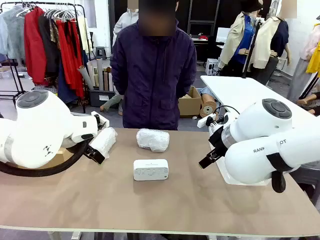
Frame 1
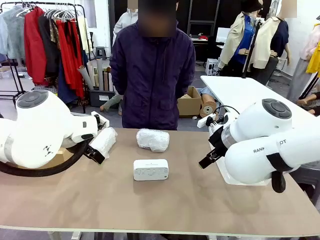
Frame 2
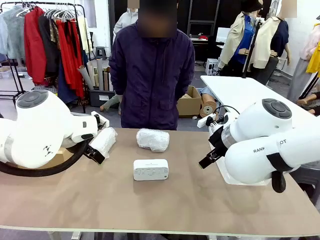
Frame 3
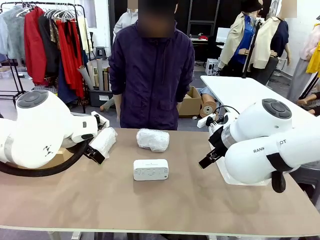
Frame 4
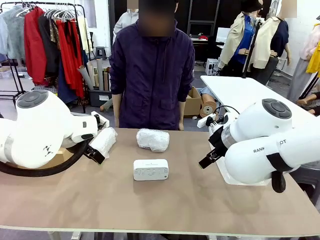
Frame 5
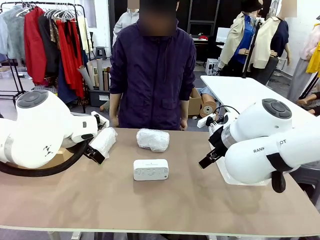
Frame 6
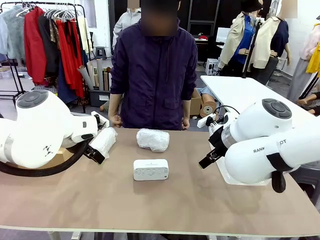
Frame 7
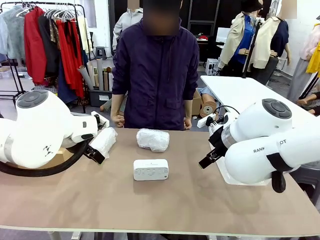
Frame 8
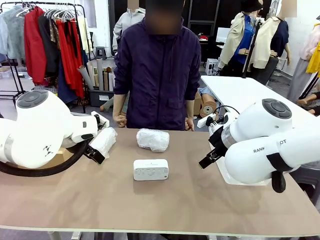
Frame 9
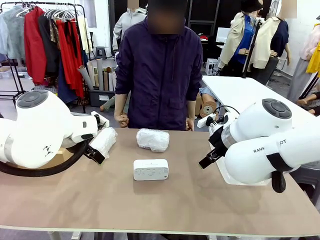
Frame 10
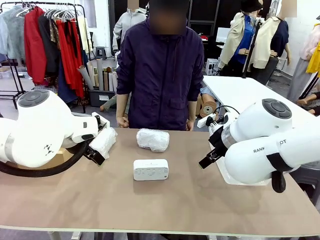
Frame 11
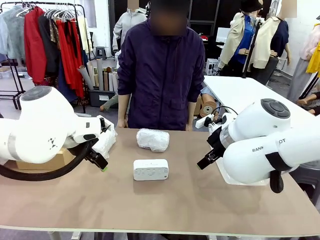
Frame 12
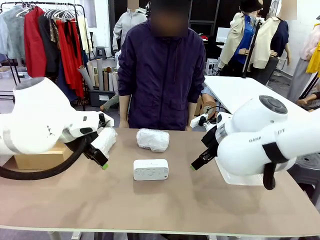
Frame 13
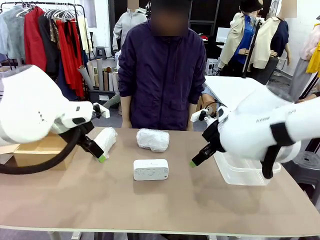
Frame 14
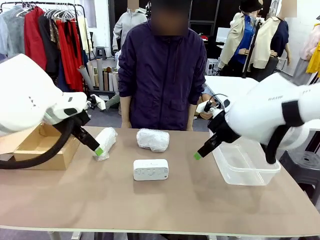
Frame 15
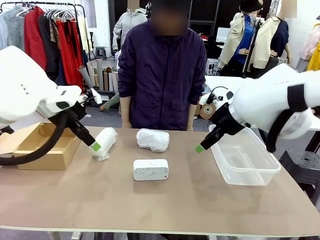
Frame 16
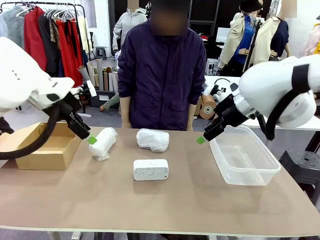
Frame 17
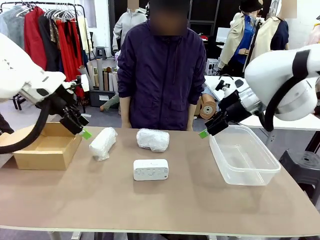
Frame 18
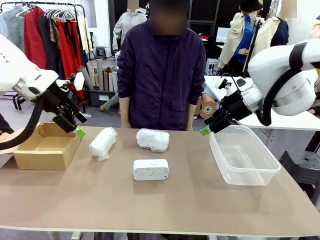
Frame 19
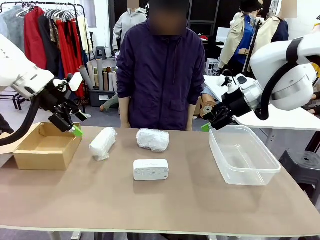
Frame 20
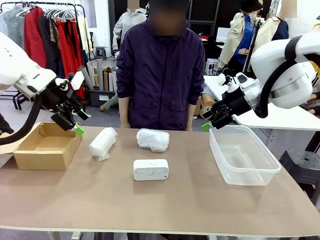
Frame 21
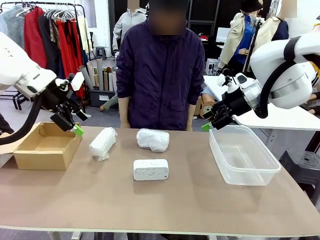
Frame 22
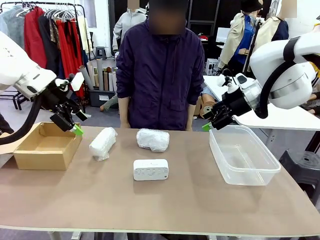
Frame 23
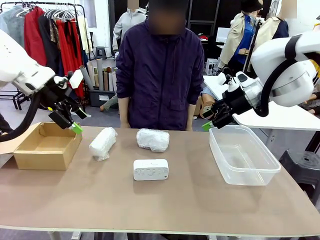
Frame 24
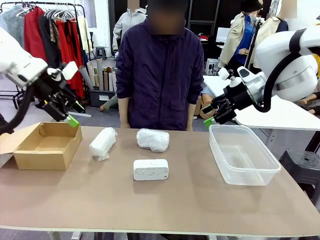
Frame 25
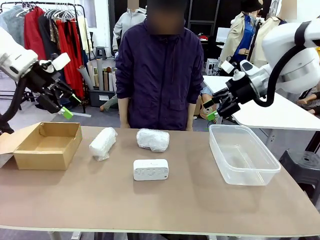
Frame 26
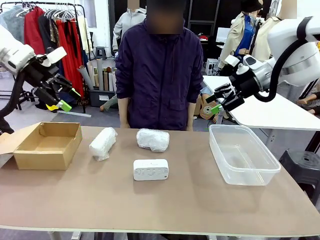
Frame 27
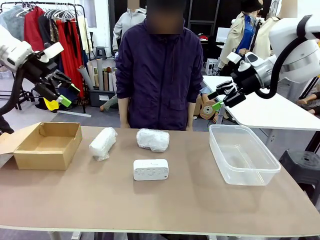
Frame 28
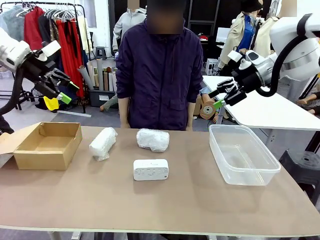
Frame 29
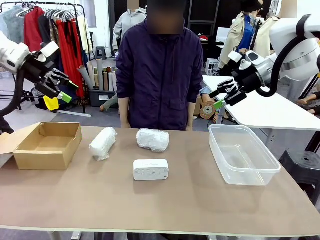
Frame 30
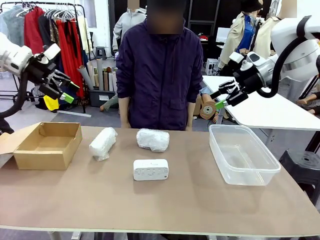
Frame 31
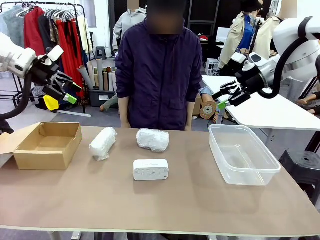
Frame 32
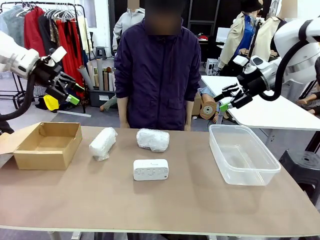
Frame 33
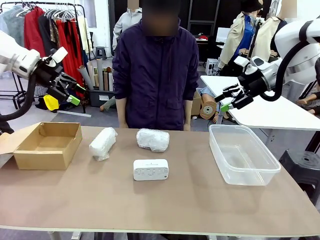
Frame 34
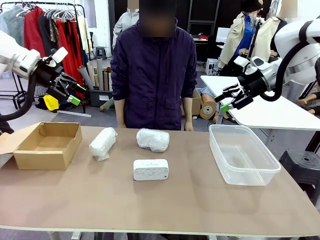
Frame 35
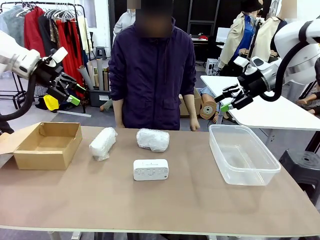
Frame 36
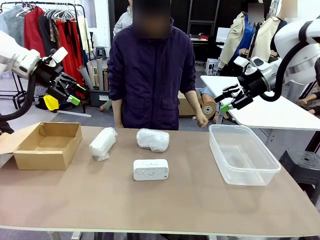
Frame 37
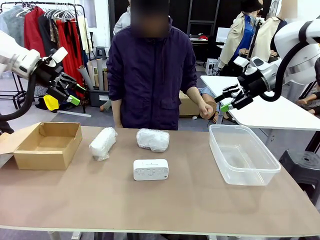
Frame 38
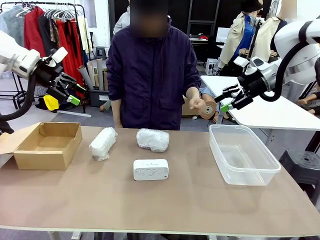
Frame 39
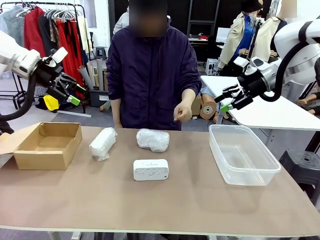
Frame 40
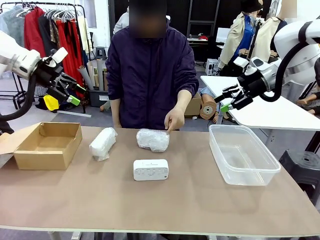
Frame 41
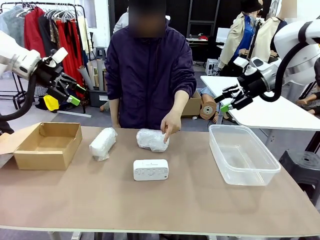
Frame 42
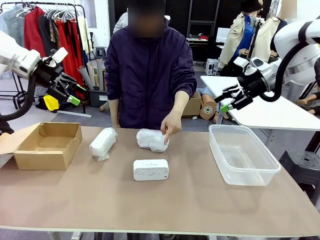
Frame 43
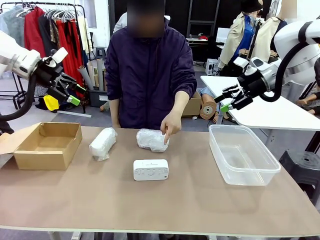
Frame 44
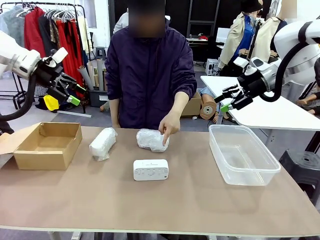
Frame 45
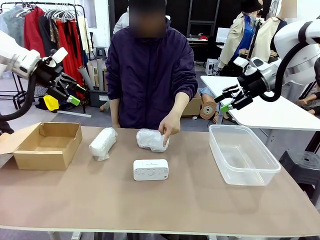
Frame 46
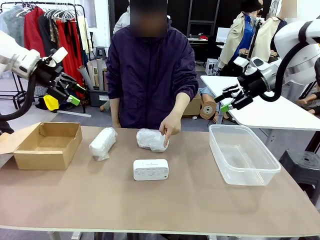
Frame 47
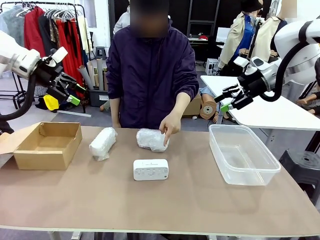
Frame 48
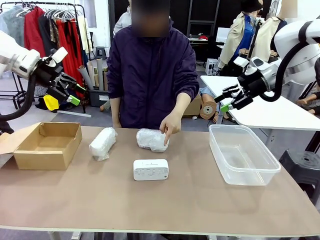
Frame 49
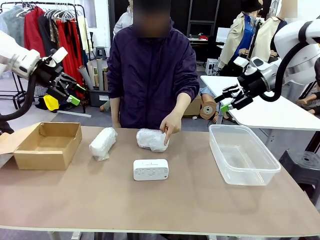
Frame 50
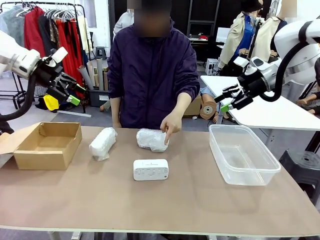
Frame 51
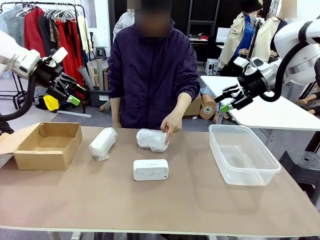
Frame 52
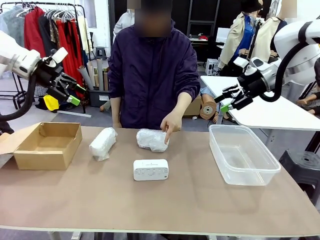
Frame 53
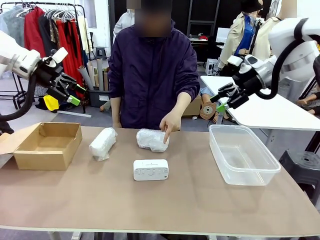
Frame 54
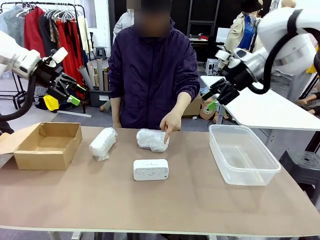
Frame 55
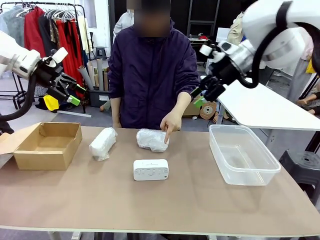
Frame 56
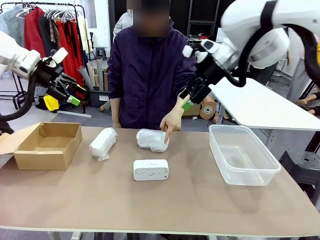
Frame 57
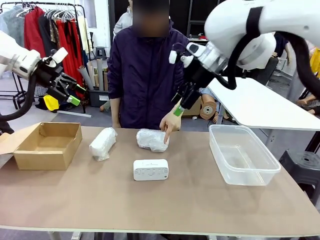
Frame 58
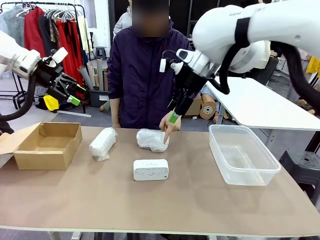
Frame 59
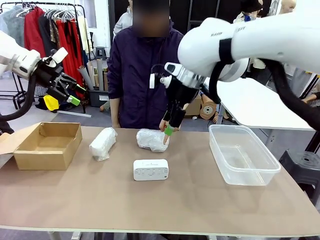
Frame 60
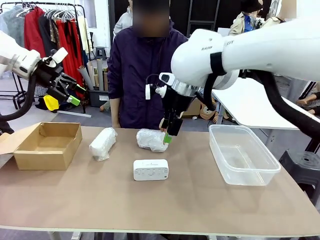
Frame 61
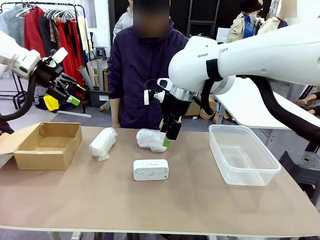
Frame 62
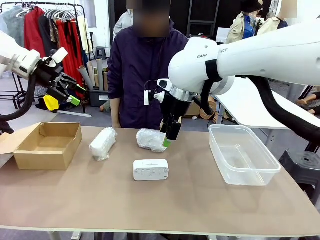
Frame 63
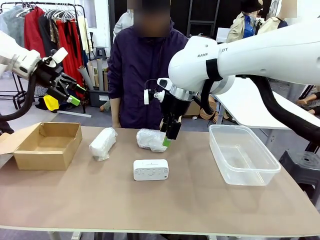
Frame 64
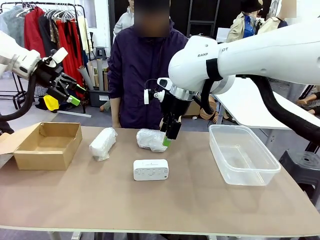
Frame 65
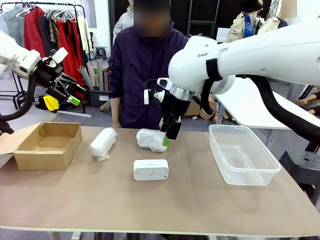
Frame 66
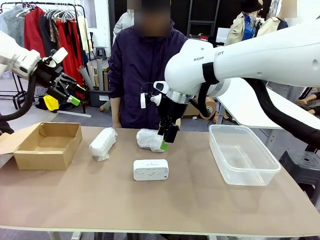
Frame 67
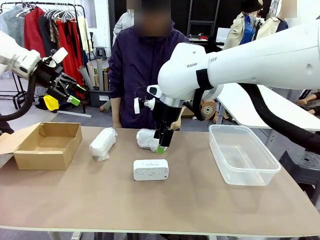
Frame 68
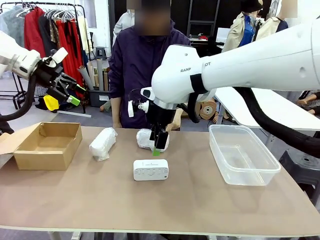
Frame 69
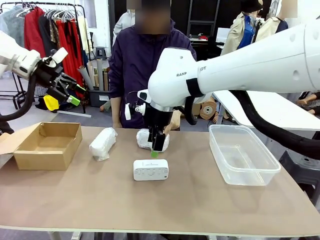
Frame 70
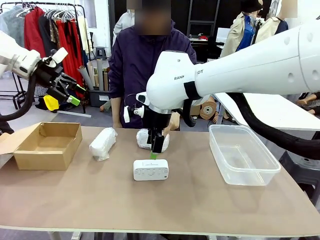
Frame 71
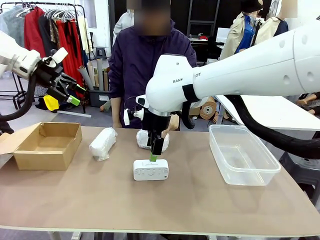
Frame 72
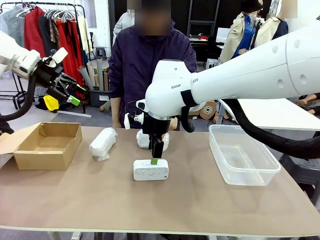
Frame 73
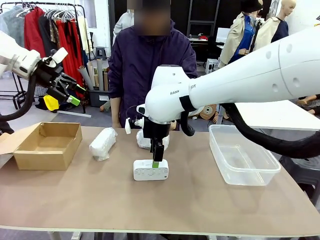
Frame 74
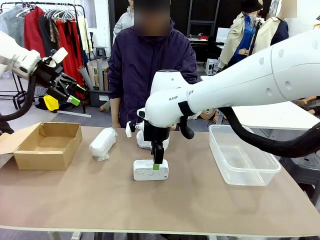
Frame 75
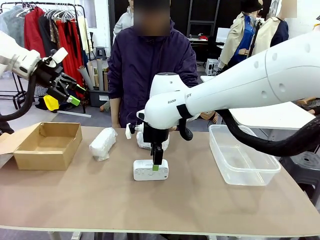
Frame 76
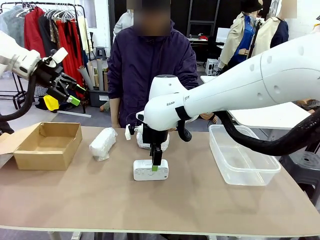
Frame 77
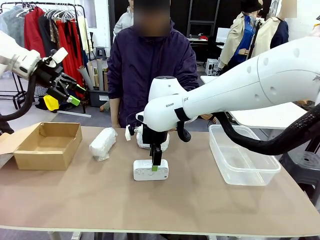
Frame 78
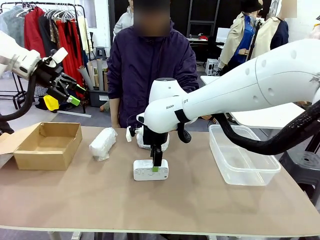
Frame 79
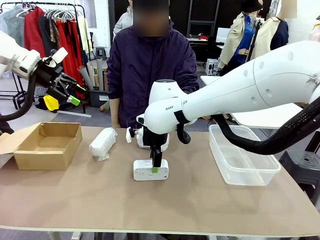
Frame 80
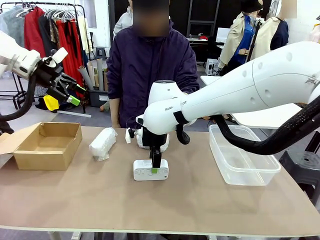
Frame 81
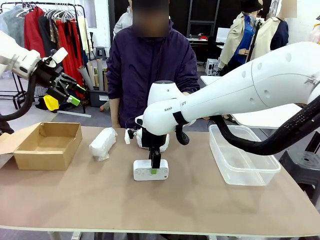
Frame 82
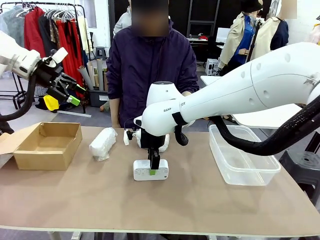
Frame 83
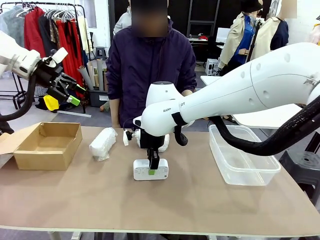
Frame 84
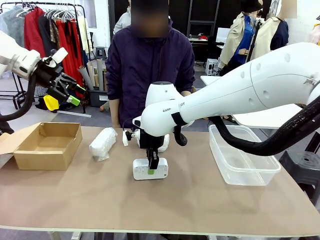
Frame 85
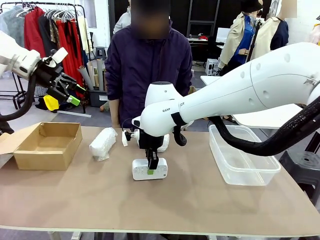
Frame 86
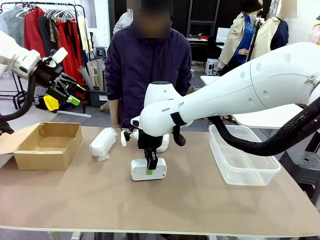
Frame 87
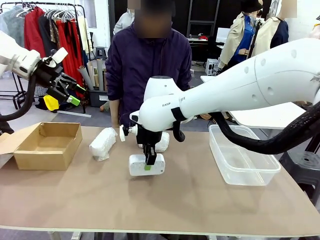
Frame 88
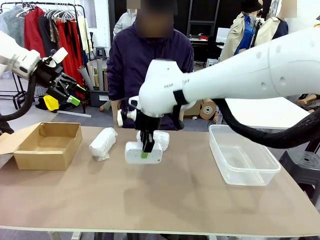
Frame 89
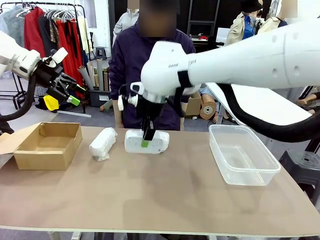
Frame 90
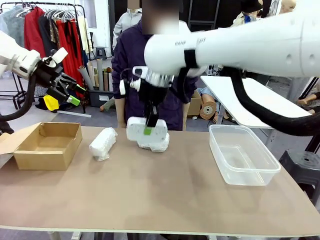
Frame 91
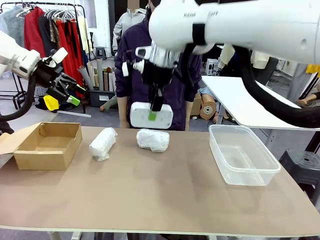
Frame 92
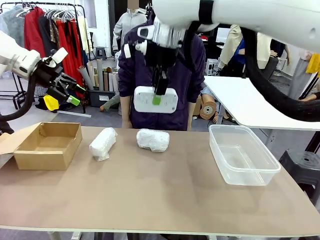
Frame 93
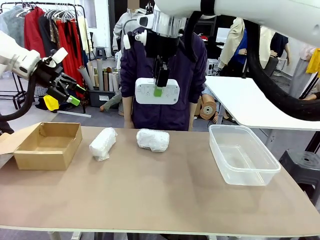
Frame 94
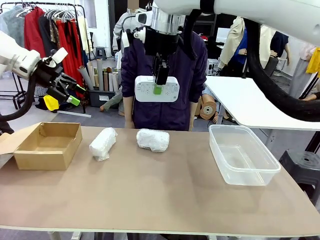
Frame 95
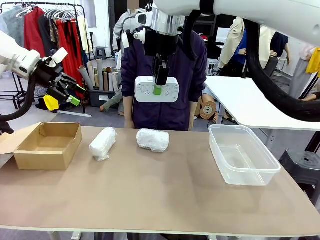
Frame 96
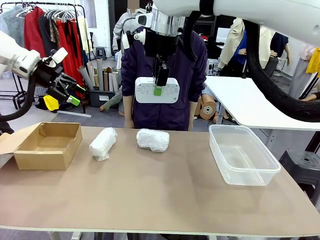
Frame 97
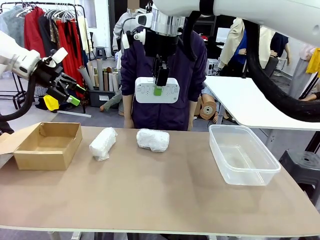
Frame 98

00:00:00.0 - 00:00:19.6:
Task: Separate and place wrapped and unwrapped clocks.
Robot: Pick up the Digital clock indicated by the person.
